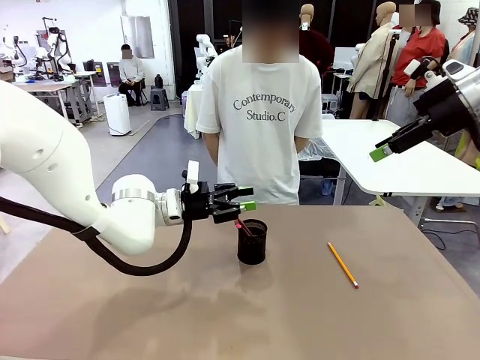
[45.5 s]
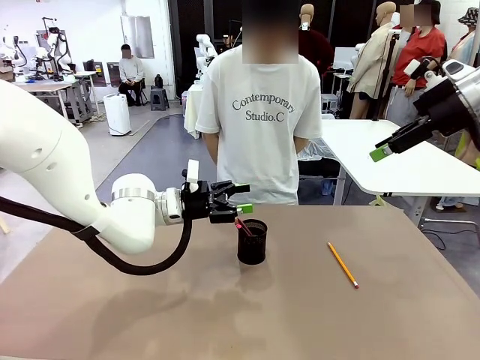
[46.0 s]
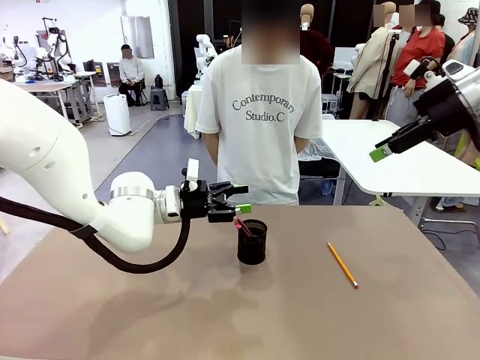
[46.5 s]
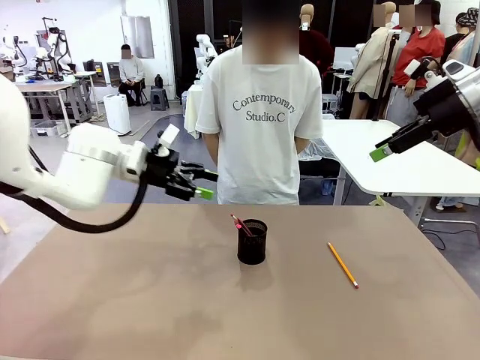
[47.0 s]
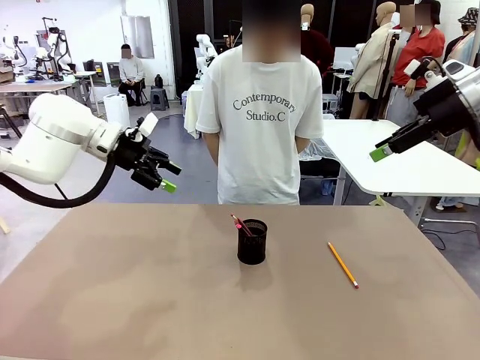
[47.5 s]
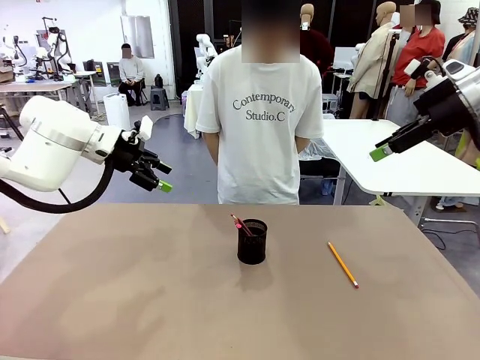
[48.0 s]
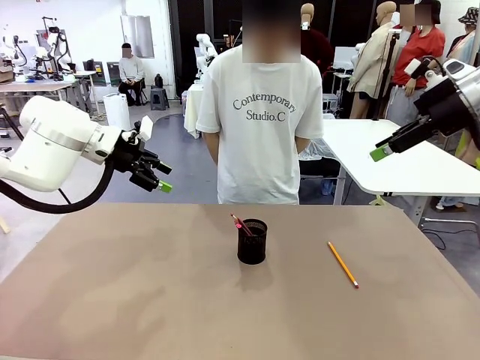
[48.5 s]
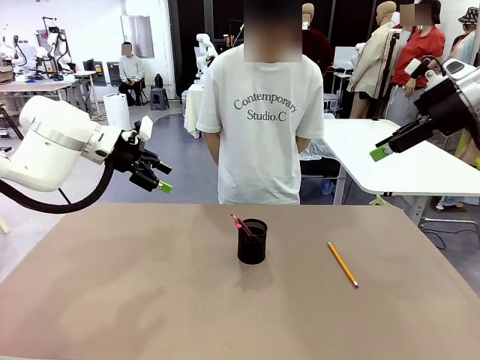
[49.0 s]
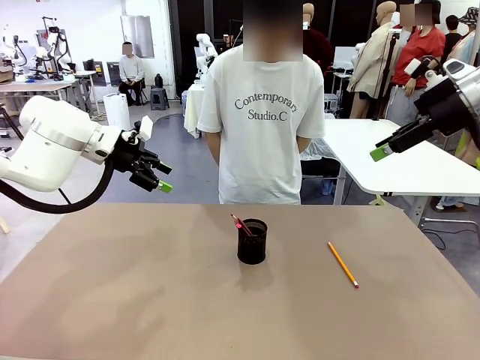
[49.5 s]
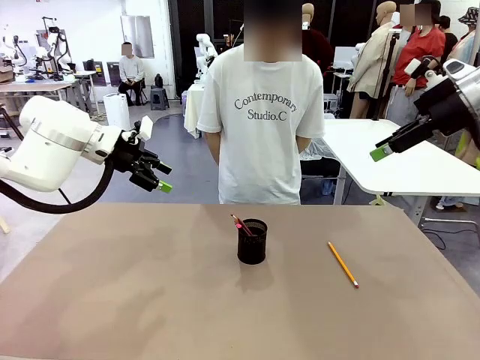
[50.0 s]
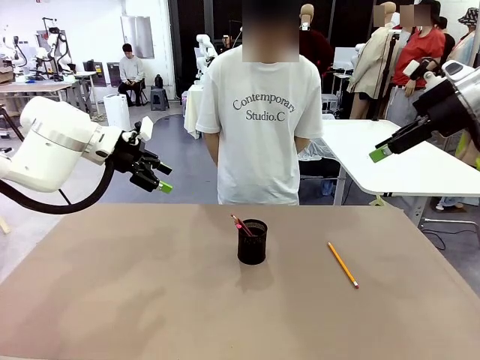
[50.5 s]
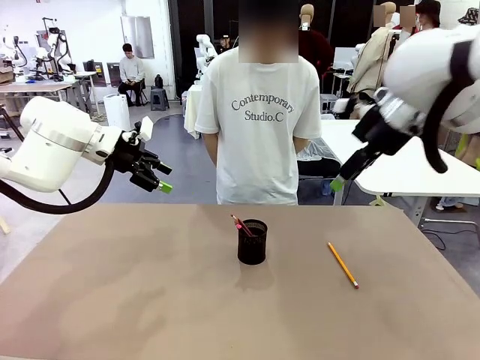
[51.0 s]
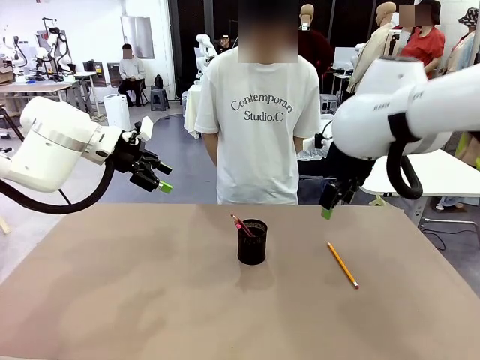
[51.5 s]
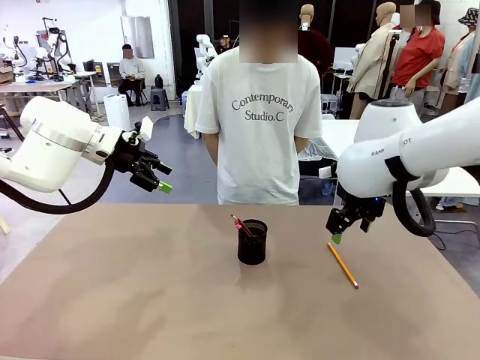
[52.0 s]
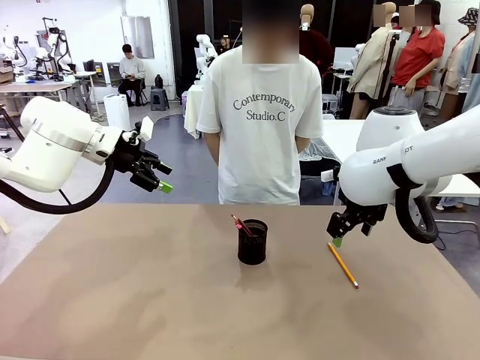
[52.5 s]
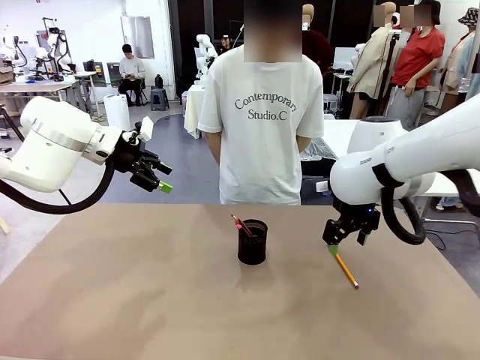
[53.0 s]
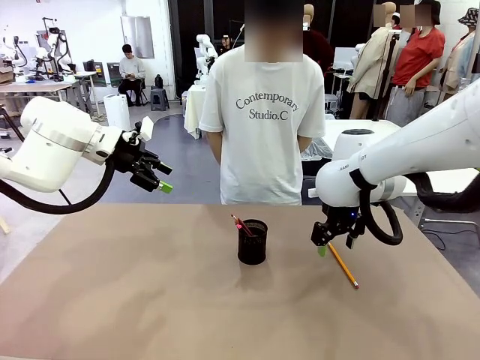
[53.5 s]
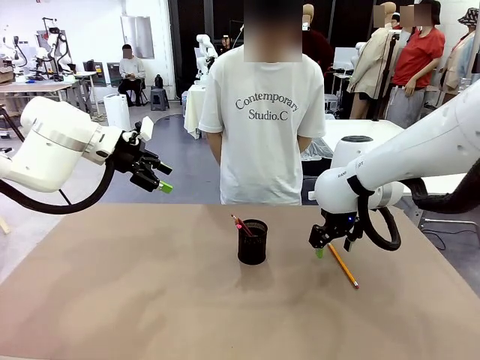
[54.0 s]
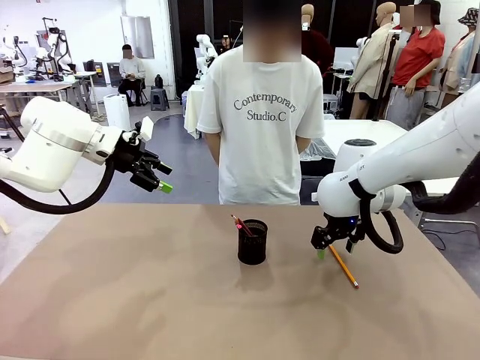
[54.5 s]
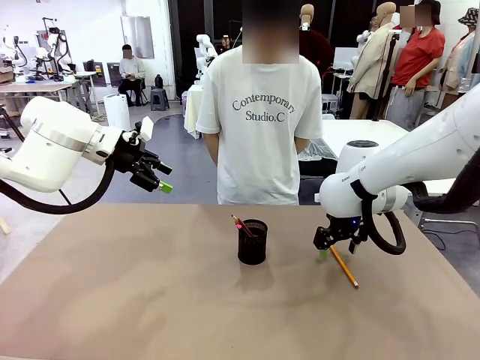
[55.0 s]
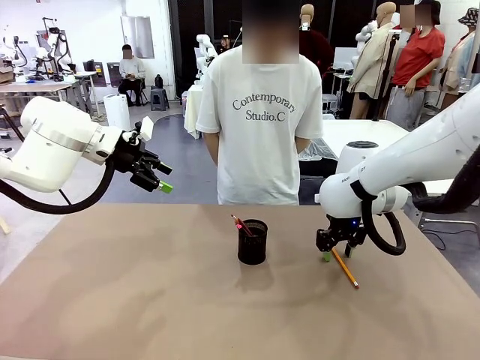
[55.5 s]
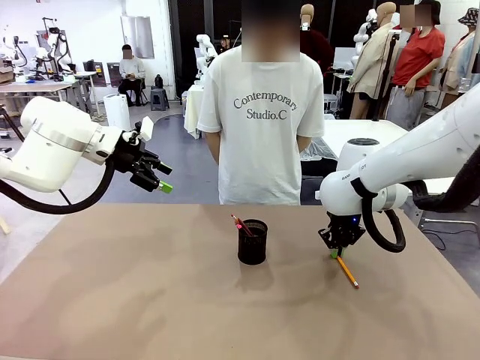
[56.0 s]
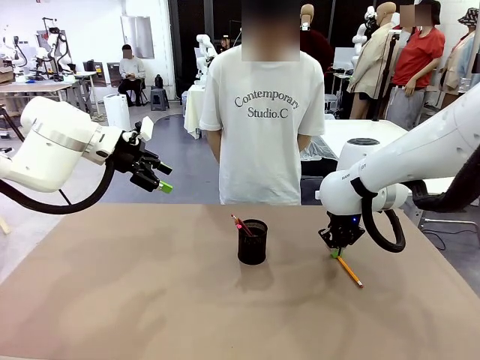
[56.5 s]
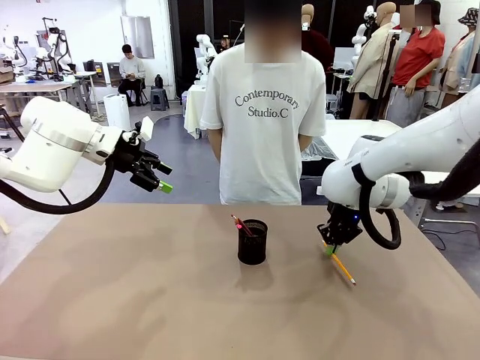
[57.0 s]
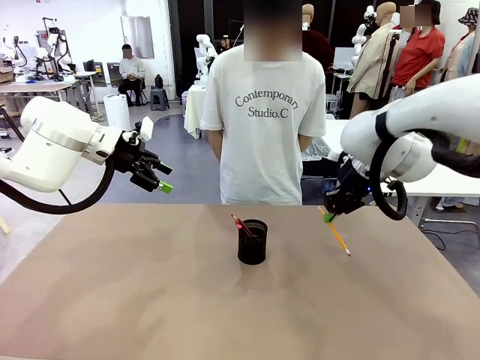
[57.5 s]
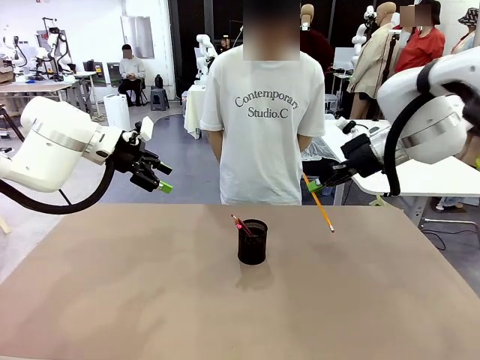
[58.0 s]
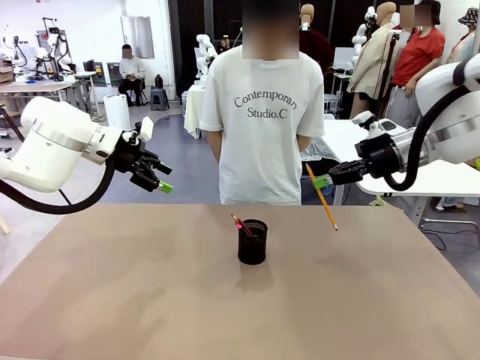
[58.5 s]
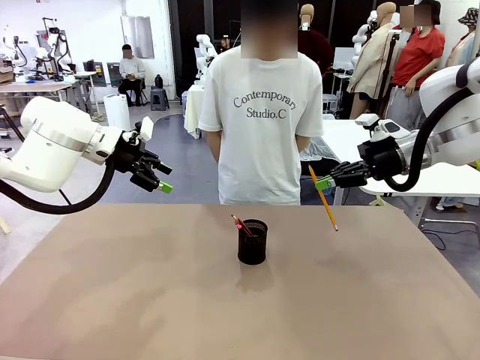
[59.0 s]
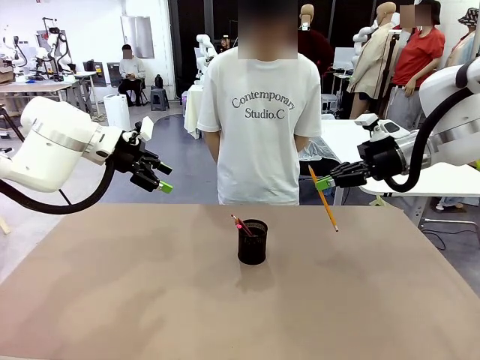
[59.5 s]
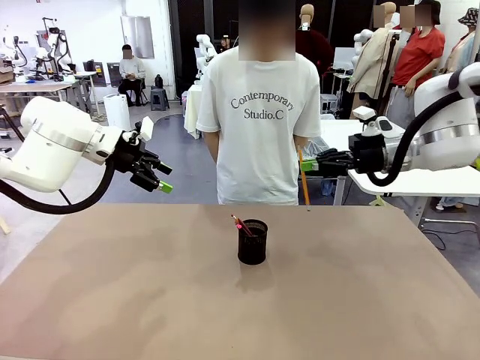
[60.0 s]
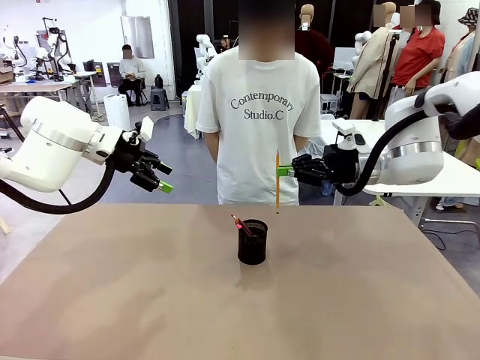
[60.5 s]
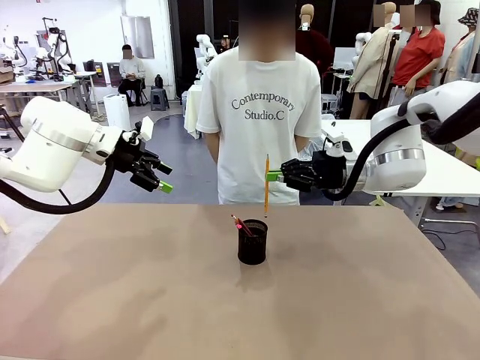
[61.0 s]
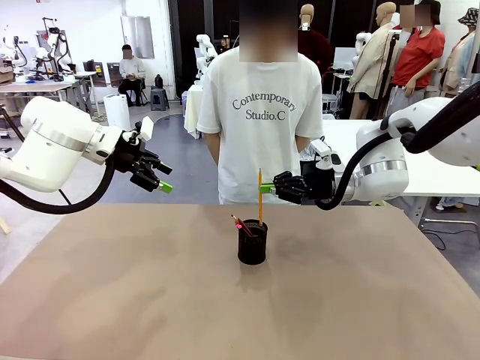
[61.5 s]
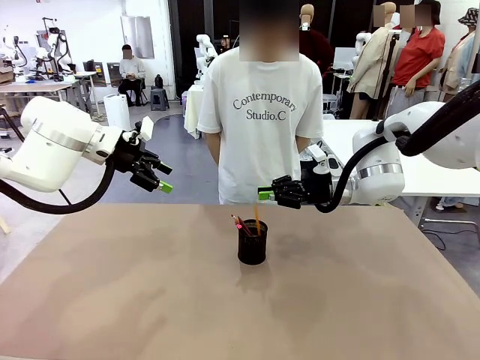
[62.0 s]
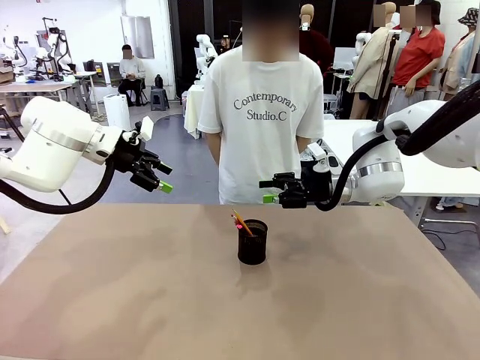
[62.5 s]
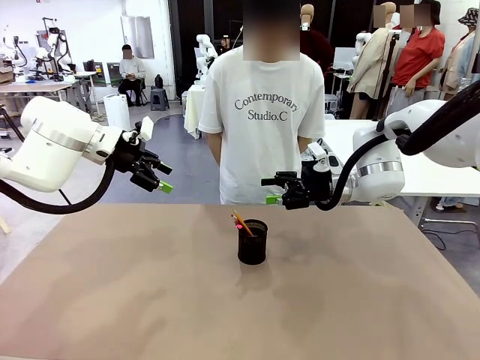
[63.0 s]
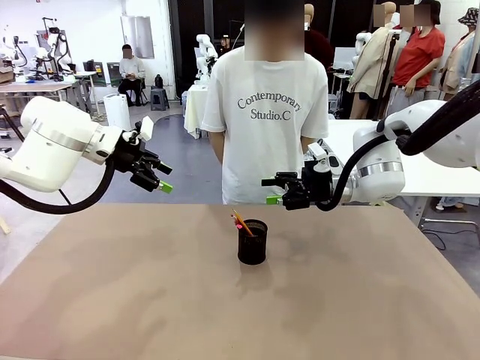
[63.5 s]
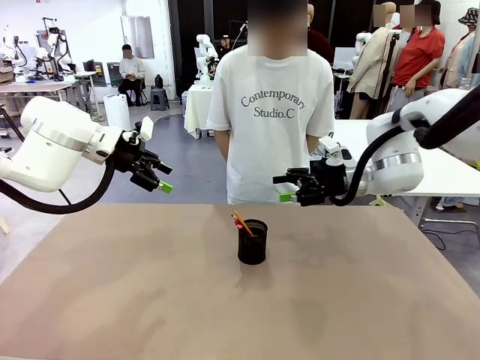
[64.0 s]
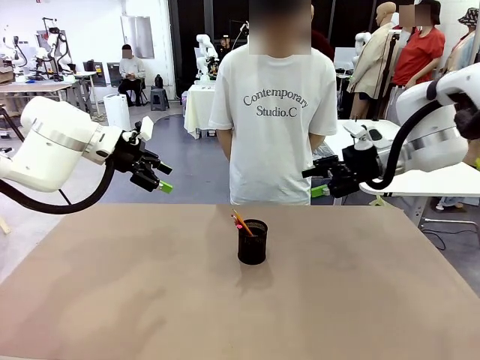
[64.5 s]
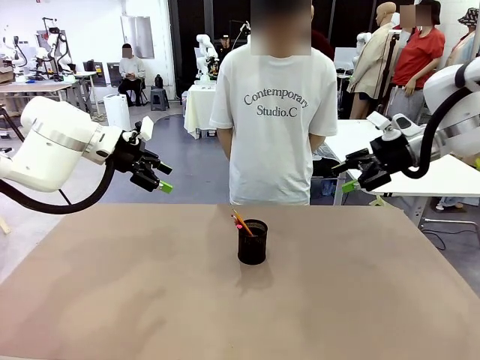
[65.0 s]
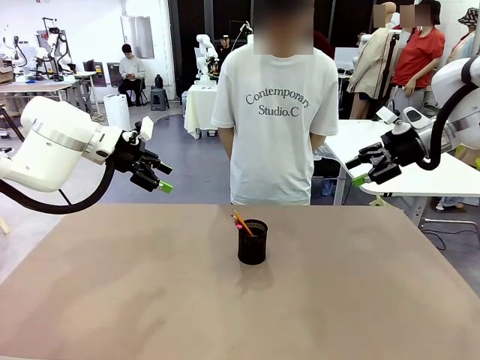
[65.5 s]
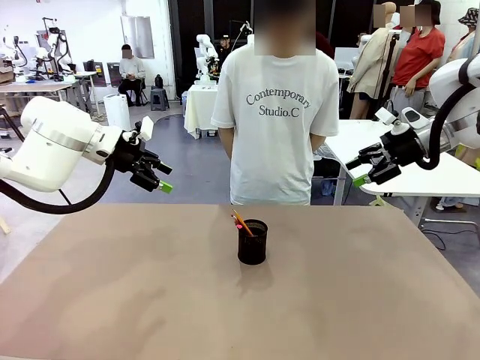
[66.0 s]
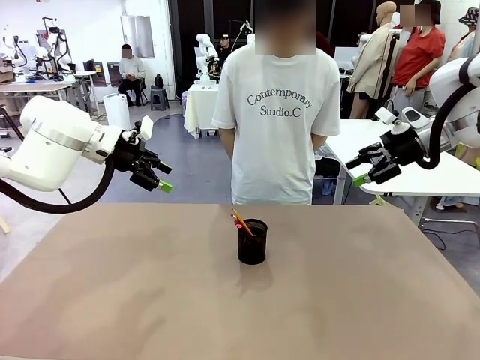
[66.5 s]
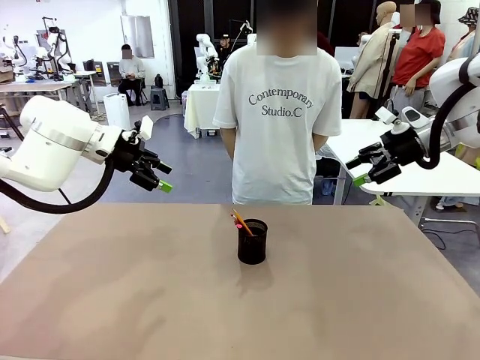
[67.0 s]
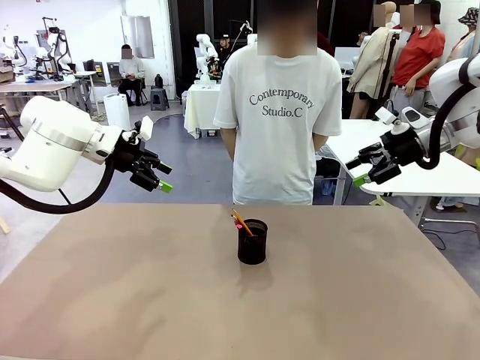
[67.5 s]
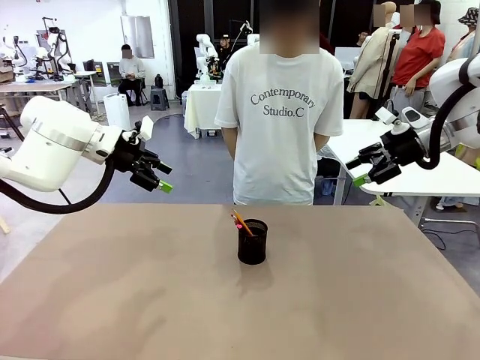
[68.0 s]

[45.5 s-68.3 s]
Task: Place the pens into the pen holder.
Robot: Pick up a writing instrument from the table and place it into the Pen holder.

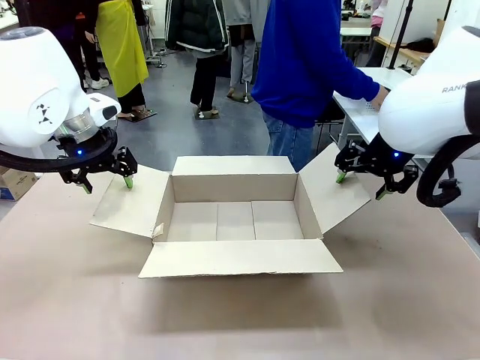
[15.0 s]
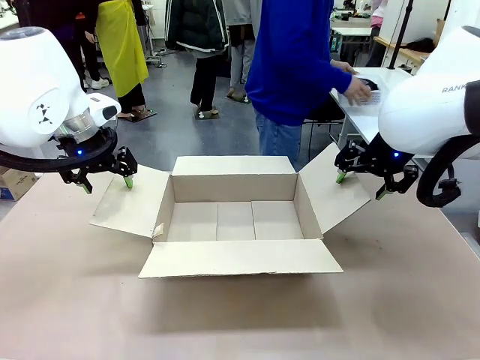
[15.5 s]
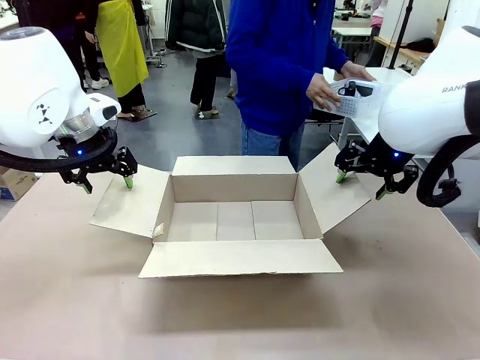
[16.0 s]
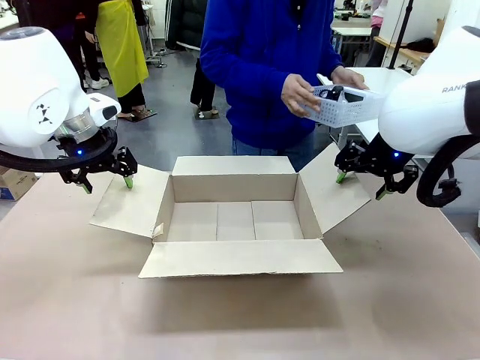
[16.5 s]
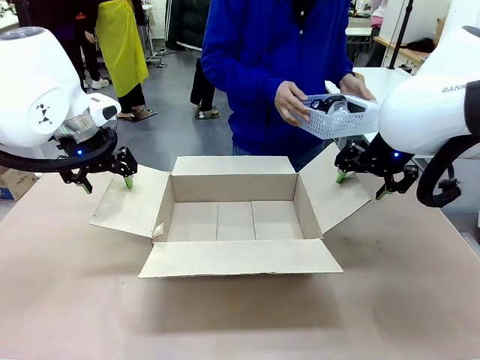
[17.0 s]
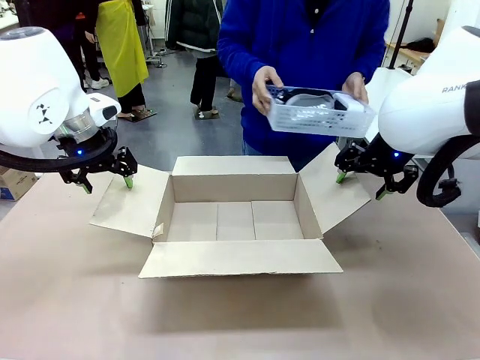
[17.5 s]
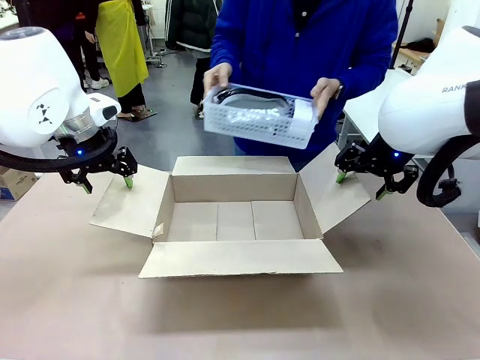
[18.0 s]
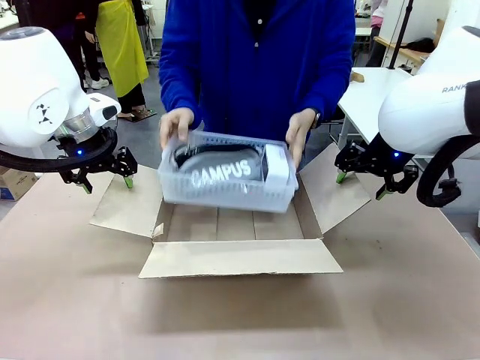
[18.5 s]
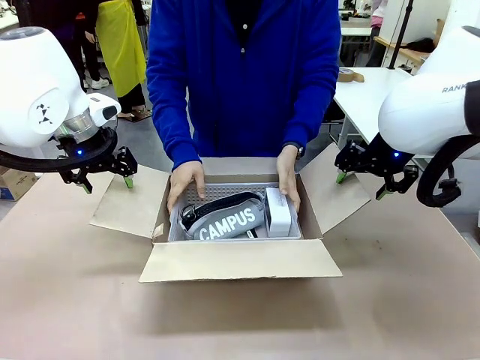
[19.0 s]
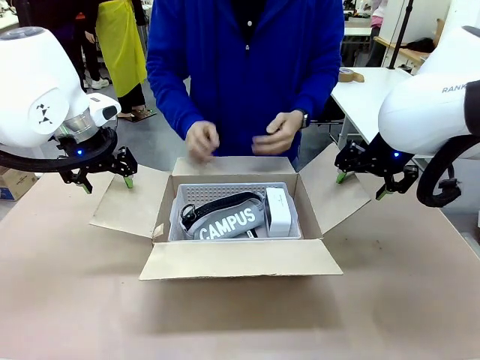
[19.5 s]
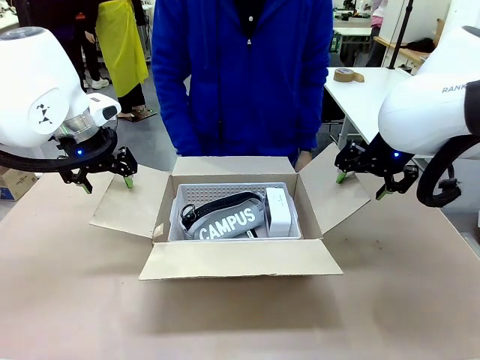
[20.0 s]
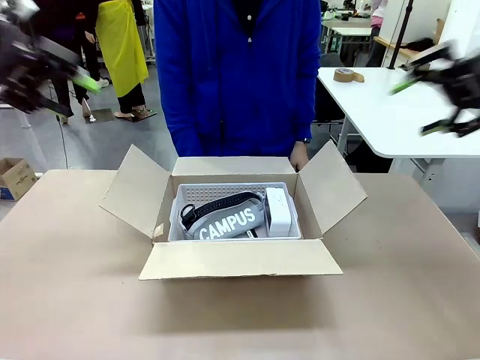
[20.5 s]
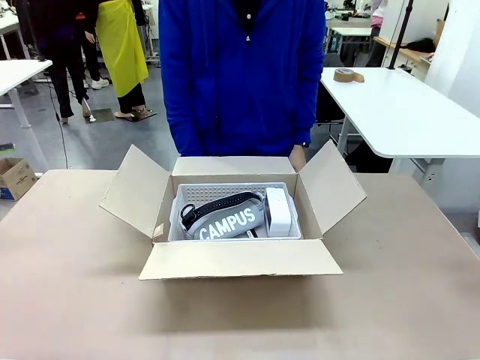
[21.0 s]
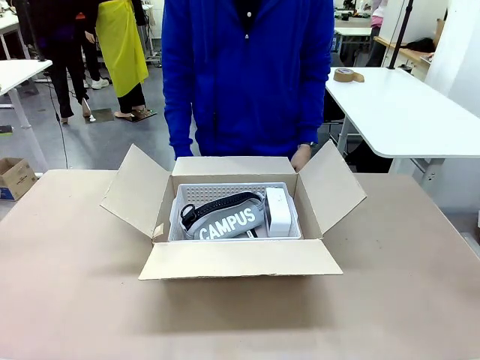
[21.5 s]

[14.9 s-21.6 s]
Task: Pack the gift set into the box.
Robot: Lift both hands away from the flaps of the Package Box.
Person: The human picks up the organizing basket and places the organizing basket into the package box on the robot table.
